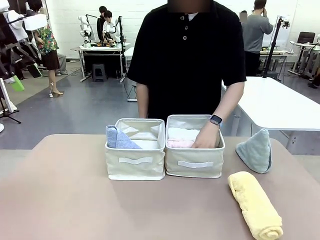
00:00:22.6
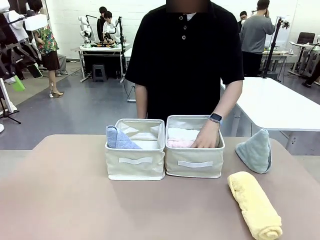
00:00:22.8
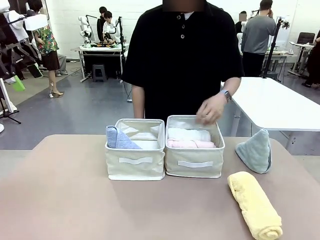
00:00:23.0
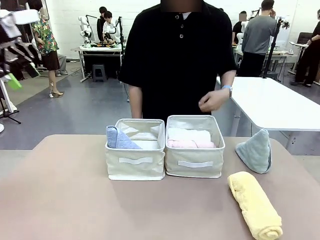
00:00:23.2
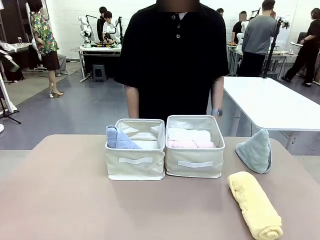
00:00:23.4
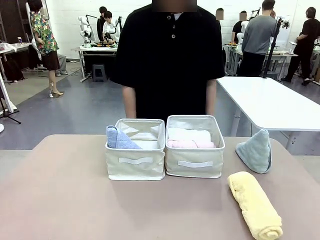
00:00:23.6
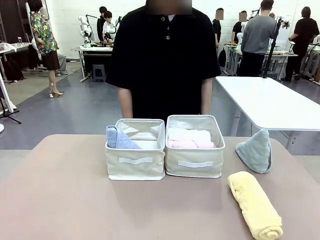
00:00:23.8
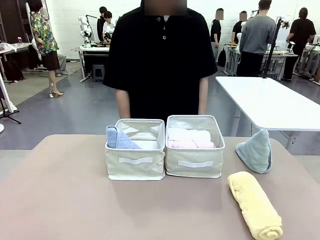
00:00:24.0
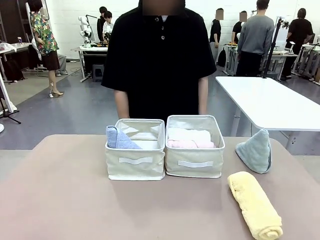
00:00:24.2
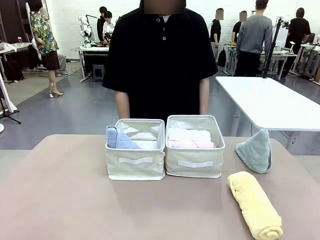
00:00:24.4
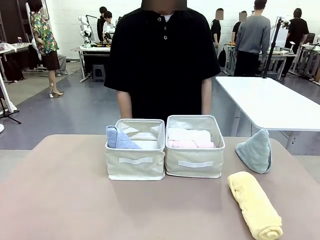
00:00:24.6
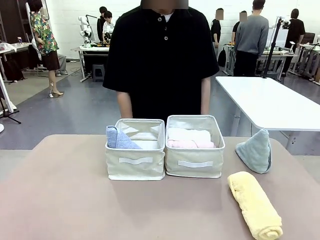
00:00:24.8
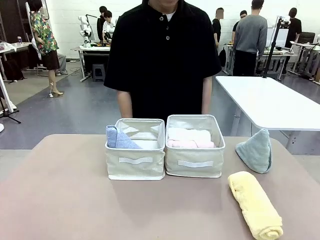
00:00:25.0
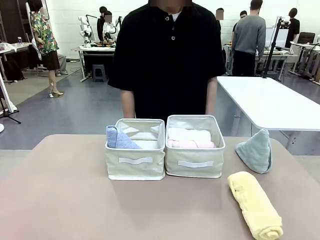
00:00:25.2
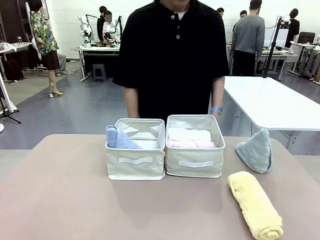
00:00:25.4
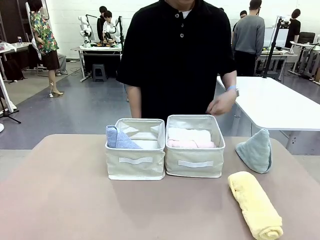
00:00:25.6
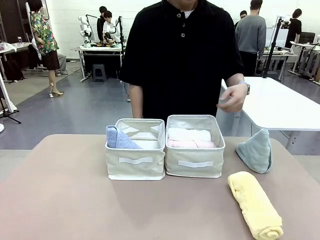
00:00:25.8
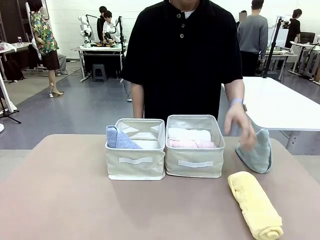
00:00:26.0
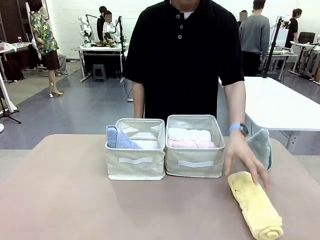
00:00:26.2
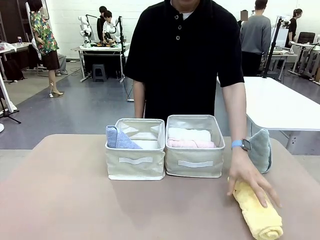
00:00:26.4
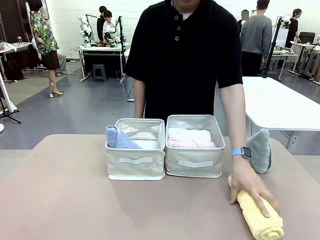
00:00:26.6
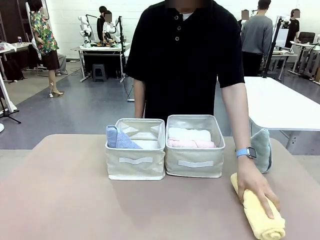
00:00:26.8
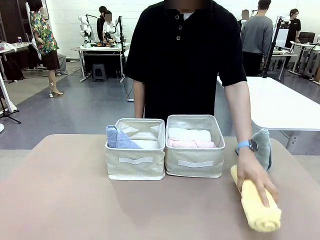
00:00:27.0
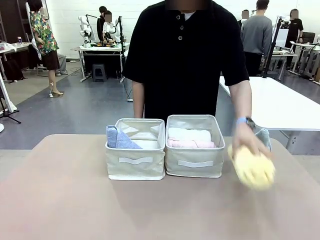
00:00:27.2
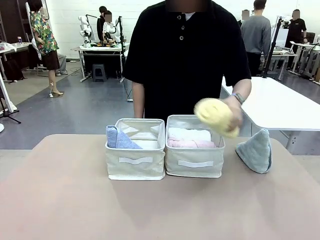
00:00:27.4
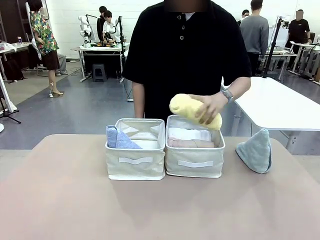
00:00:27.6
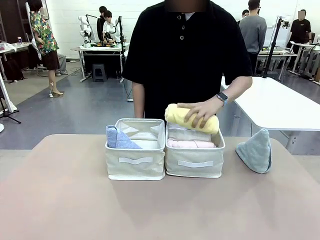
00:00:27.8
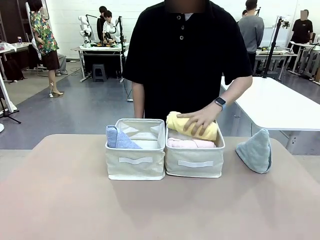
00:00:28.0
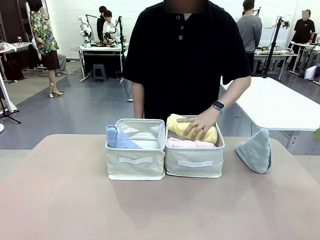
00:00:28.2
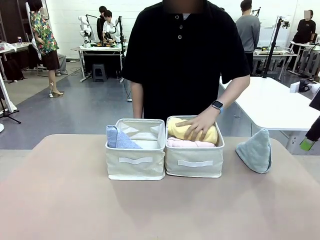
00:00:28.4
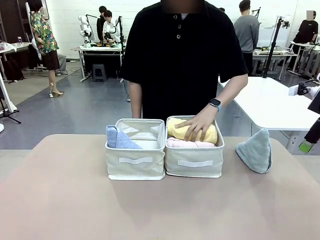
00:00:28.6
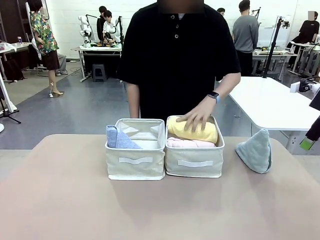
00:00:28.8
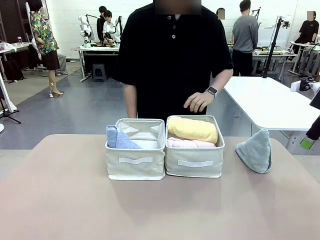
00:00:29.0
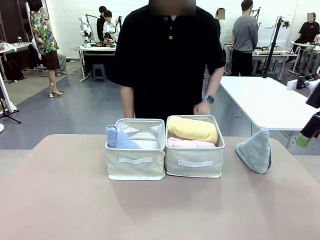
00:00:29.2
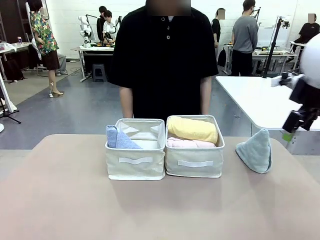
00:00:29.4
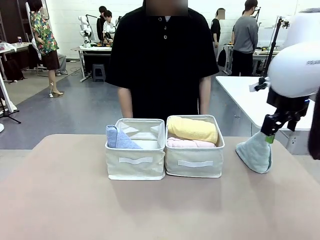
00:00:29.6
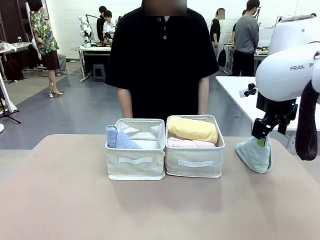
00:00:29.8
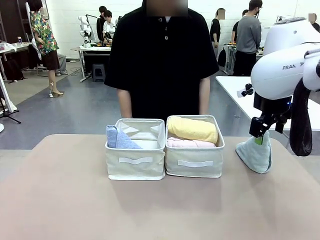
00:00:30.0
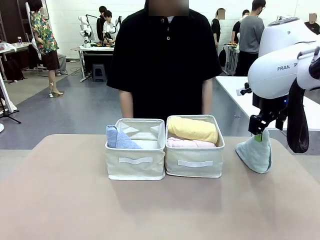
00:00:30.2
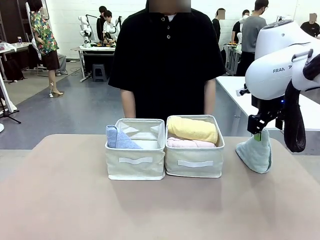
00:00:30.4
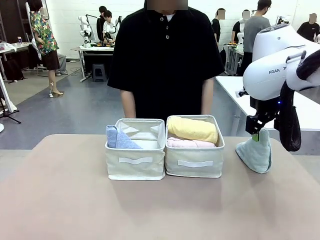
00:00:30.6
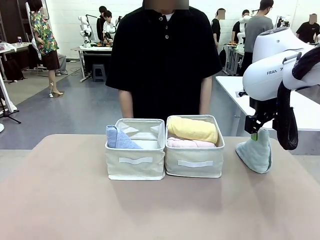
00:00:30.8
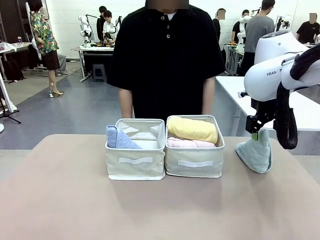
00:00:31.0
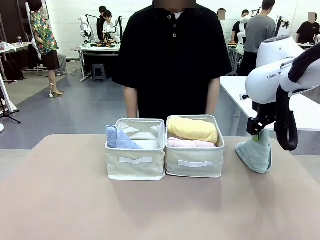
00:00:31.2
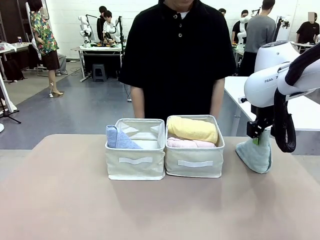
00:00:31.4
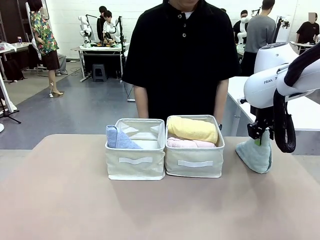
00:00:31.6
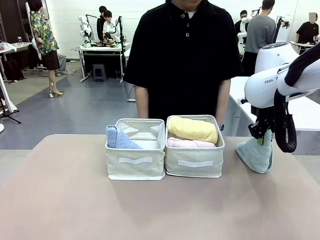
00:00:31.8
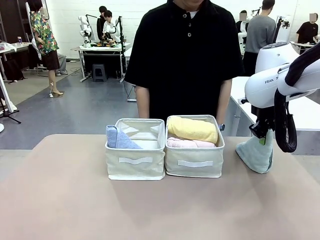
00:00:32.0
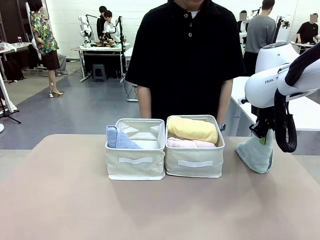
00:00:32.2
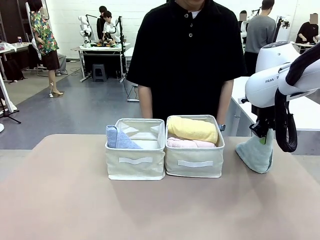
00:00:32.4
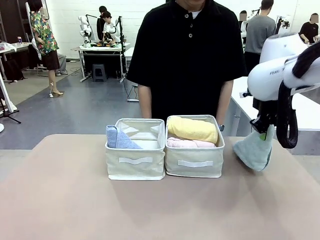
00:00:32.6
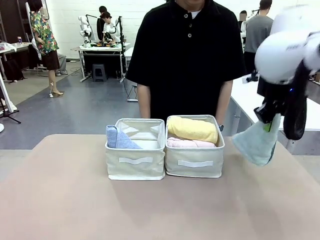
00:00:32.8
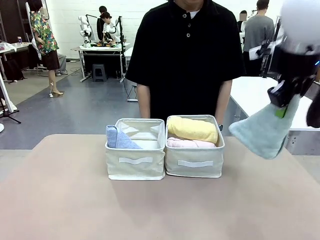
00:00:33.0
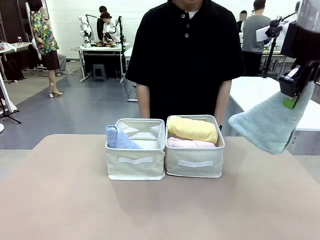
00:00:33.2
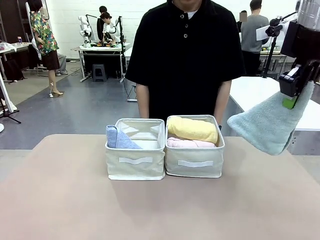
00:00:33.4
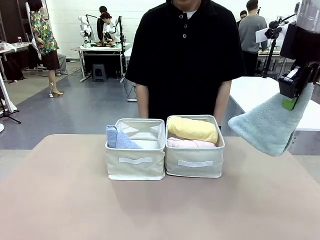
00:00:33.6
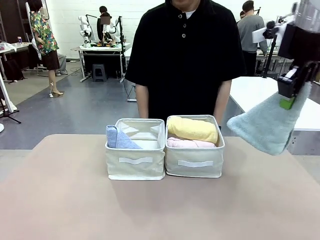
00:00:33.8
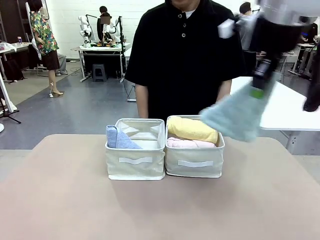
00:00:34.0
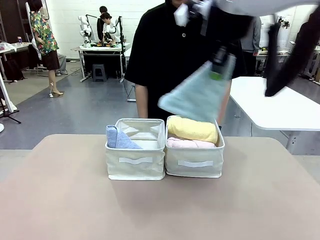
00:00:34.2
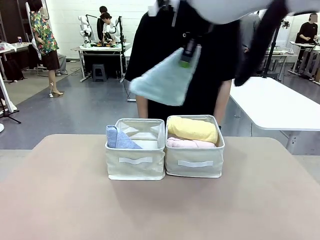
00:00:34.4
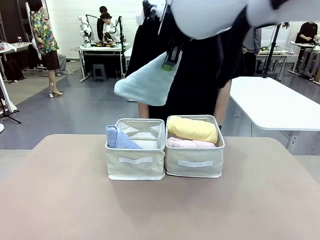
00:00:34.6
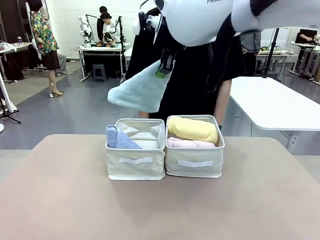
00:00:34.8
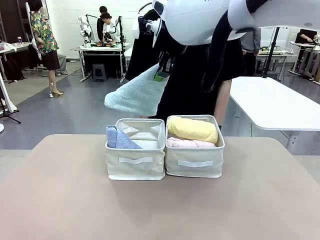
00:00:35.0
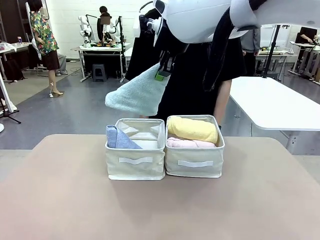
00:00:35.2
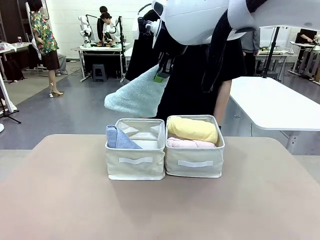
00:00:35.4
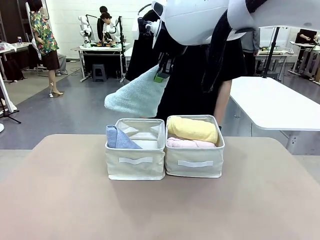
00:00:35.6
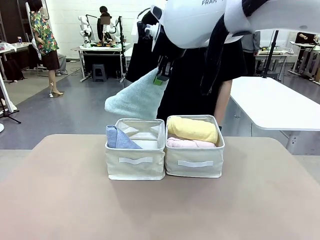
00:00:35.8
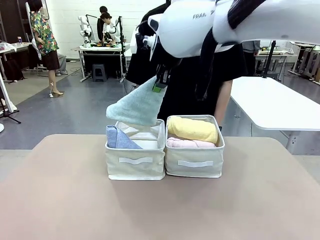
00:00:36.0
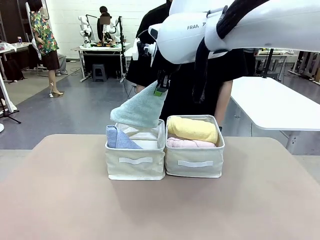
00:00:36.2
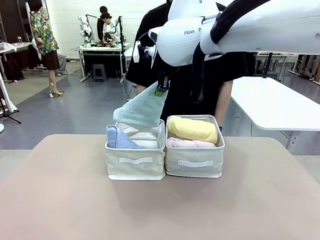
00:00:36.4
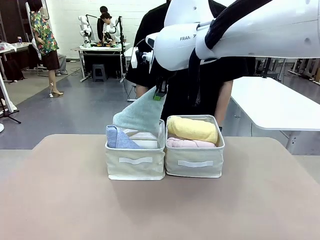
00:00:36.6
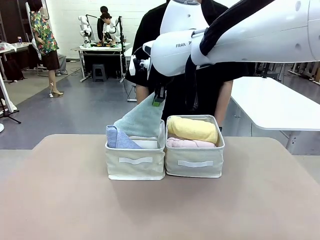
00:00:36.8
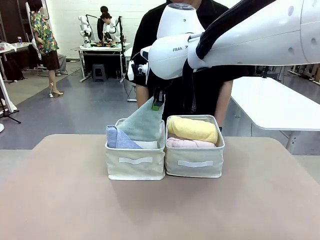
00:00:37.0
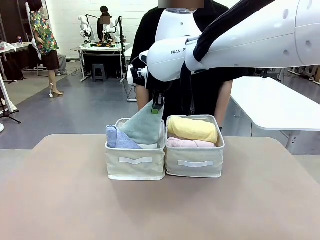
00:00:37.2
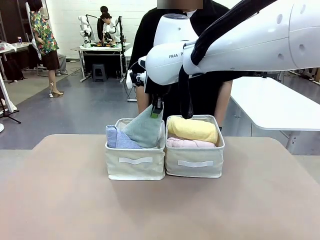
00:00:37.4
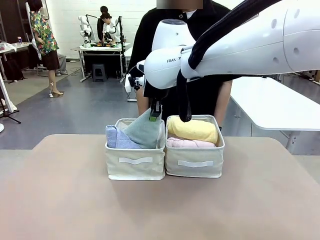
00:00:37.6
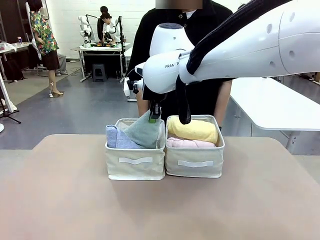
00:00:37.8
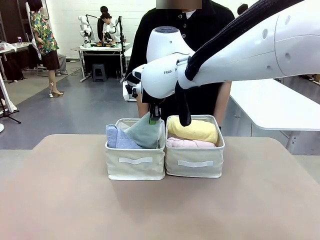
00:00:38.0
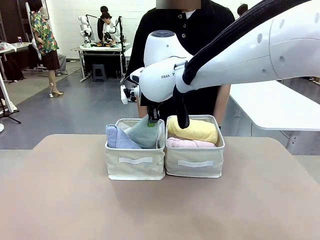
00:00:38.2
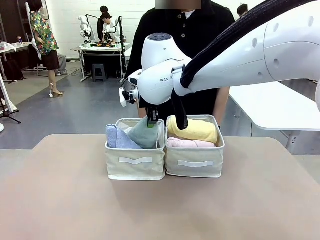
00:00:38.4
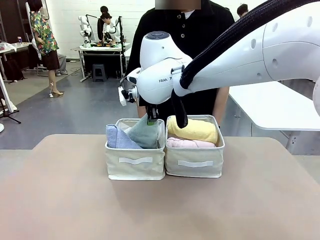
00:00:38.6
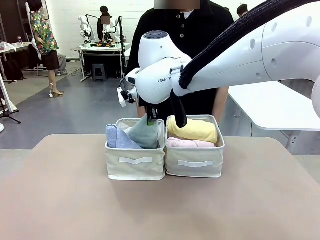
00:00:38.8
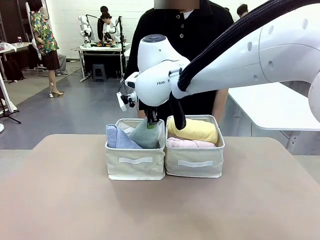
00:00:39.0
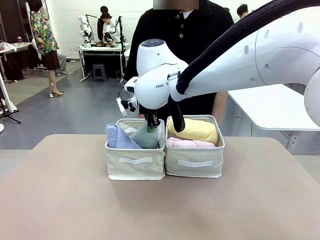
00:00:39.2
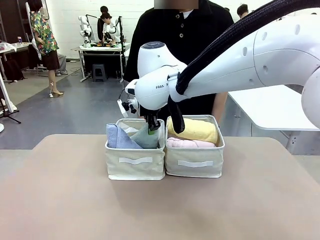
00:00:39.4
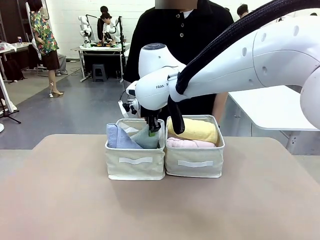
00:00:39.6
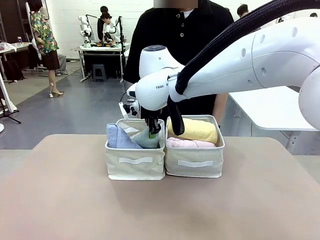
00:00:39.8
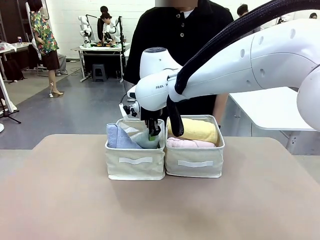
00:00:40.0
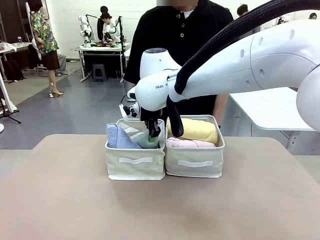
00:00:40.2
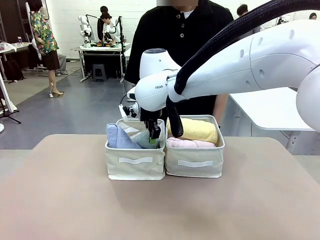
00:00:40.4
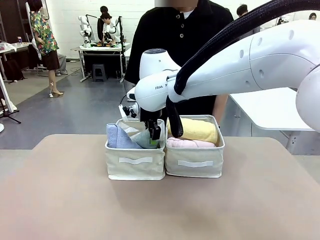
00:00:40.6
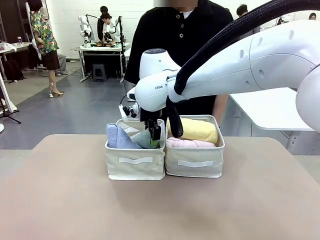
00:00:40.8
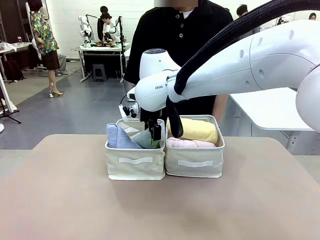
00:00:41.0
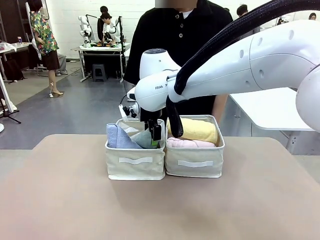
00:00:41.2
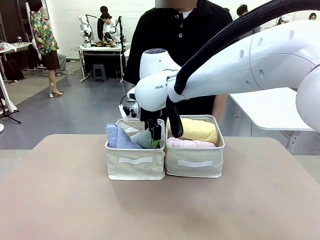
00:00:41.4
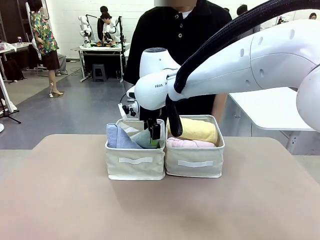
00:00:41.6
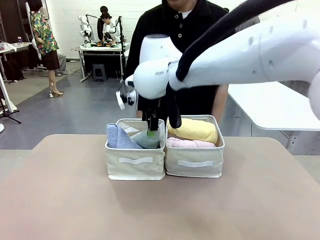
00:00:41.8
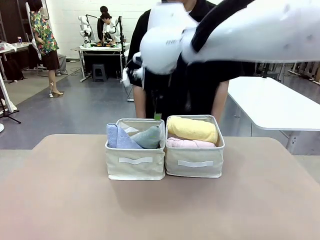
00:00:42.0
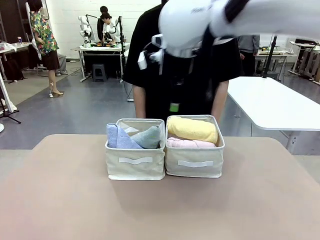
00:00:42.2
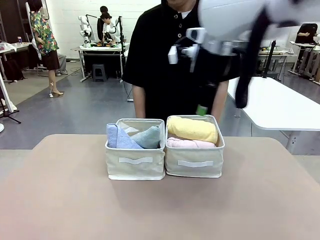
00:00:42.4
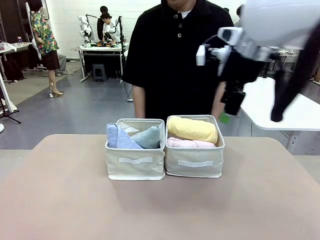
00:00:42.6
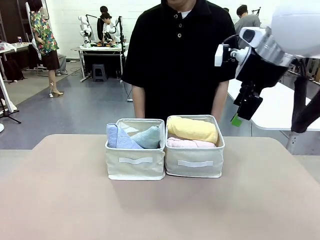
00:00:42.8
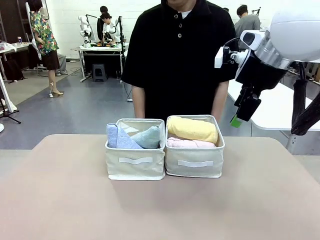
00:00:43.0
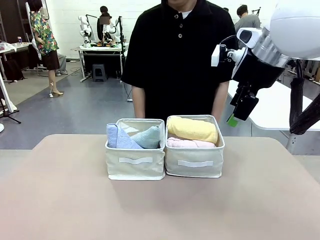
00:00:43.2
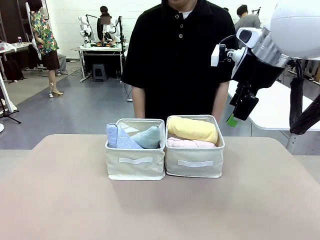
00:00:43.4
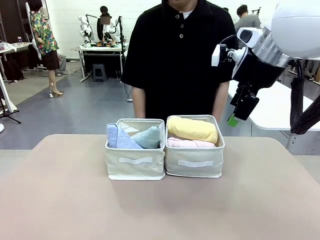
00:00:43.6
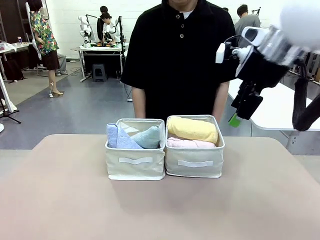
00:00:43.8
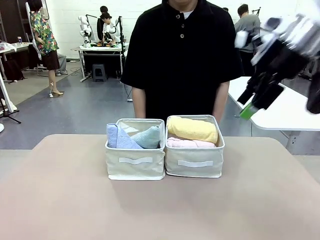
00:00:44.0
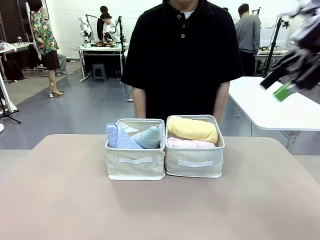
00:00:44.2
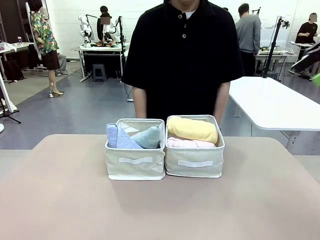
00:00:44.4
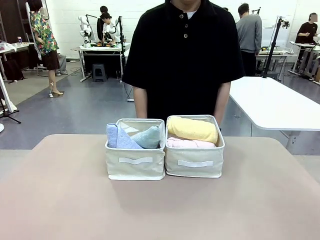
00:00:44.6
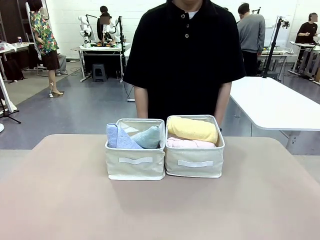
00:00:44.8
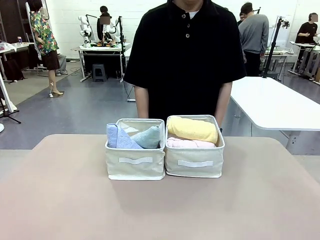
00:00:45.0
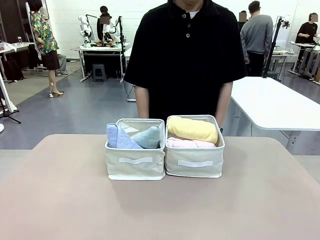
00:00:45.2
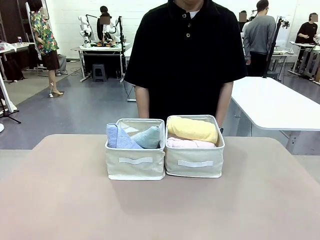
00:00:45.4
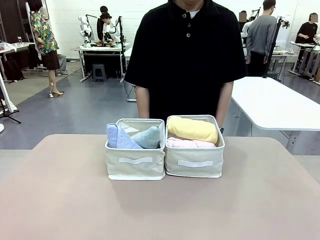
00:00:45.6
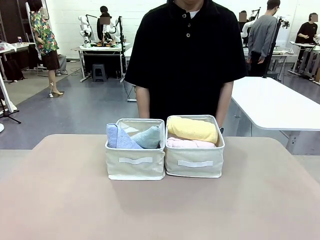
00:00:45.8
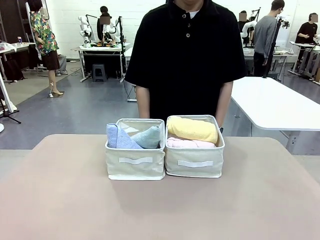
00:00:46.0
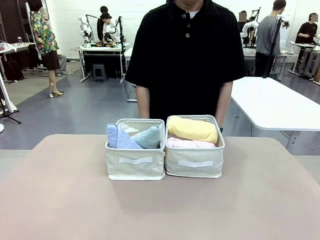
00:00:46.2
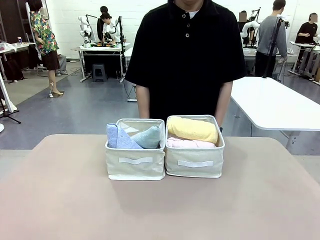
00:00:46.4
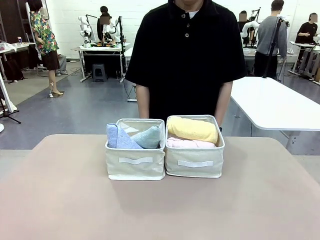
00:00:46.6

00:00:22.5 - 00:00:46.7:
Task: Sort the towels based on their folding style.
Robot: Pick up another triangle-folded towel from the table and place it in the left Fabric basket.
Person: Pick up one hotel-style rolled towel from the table and place it in the left fabric basket.
